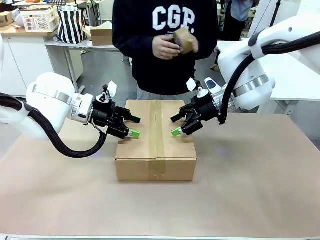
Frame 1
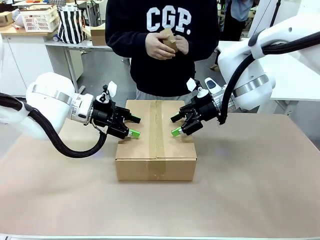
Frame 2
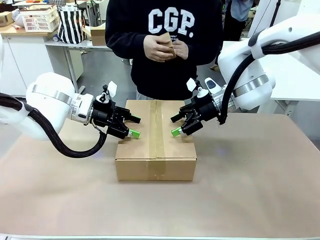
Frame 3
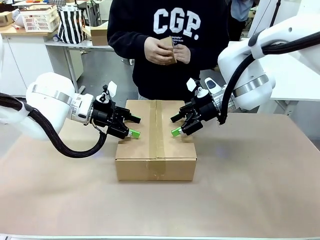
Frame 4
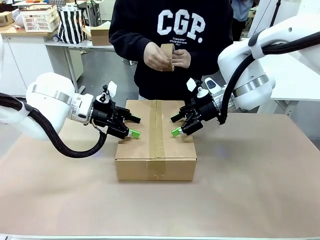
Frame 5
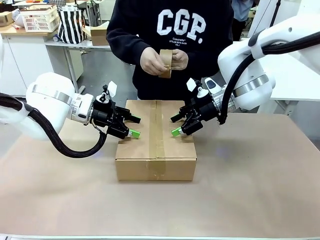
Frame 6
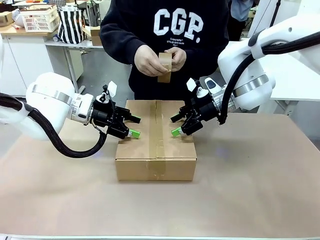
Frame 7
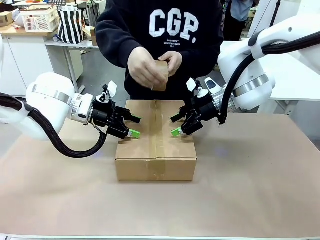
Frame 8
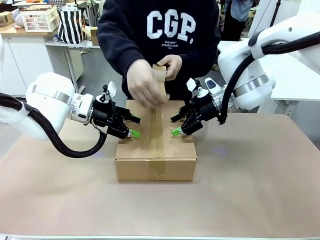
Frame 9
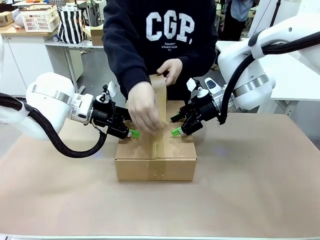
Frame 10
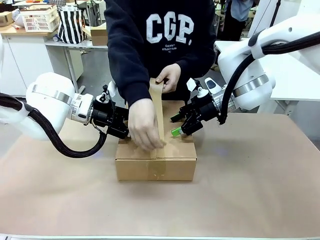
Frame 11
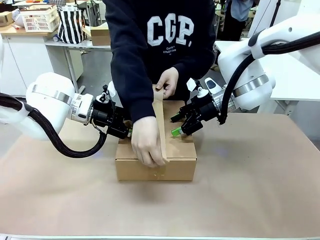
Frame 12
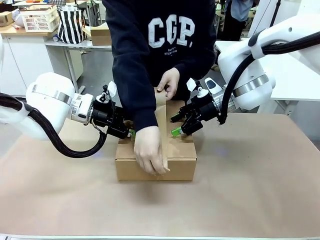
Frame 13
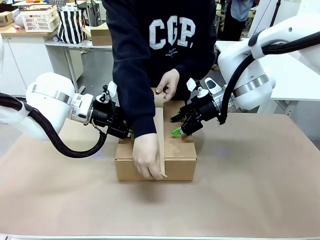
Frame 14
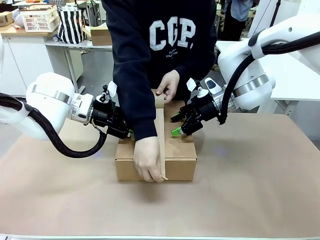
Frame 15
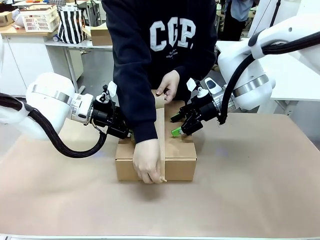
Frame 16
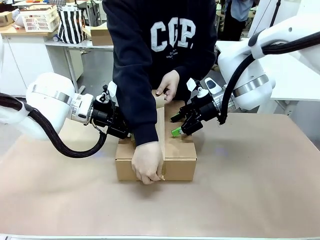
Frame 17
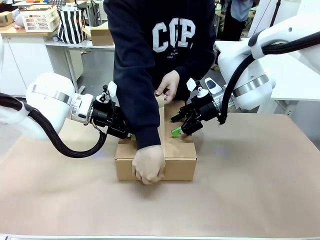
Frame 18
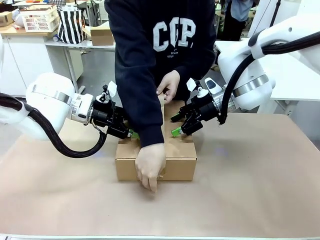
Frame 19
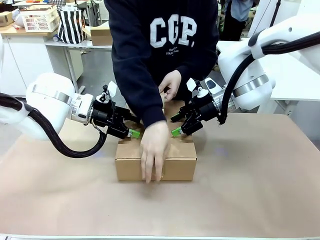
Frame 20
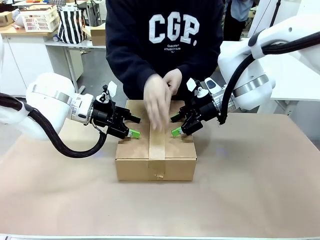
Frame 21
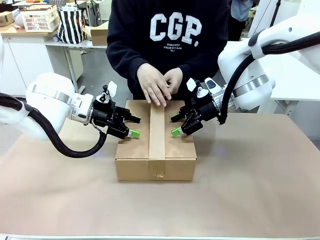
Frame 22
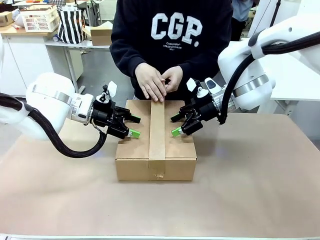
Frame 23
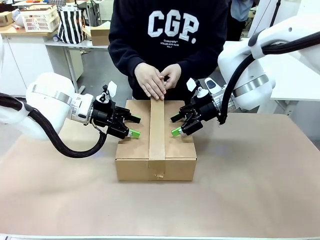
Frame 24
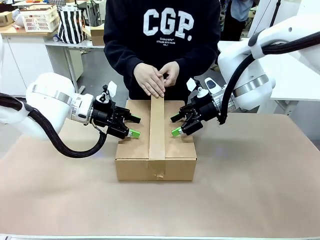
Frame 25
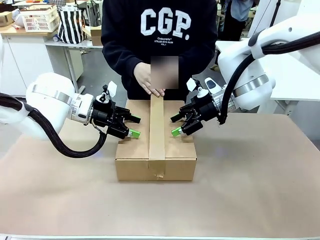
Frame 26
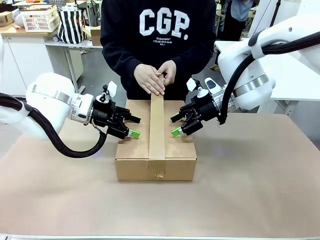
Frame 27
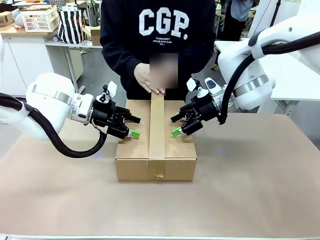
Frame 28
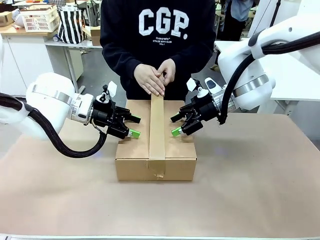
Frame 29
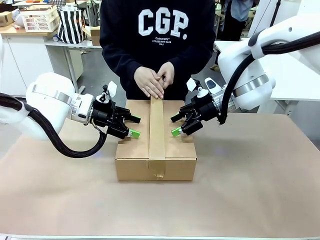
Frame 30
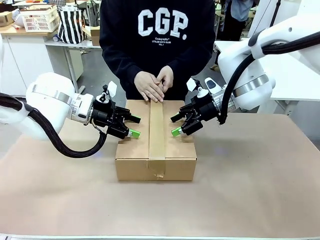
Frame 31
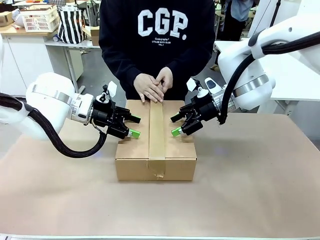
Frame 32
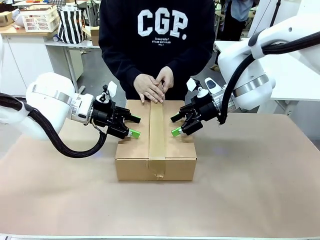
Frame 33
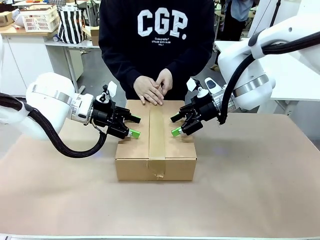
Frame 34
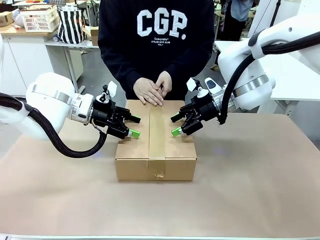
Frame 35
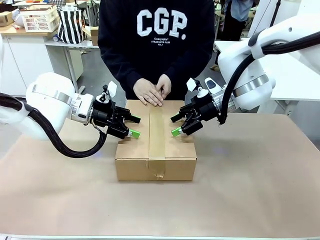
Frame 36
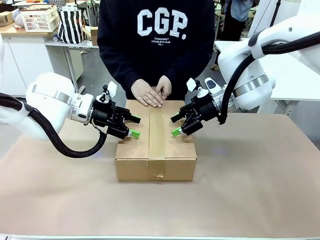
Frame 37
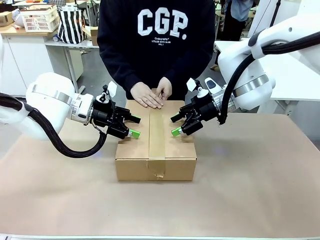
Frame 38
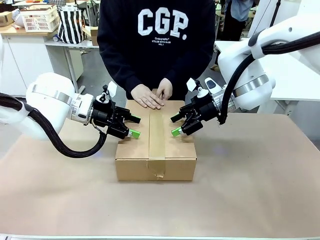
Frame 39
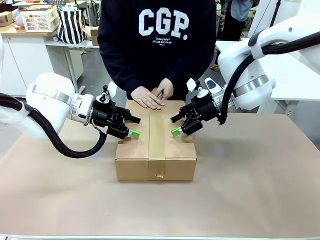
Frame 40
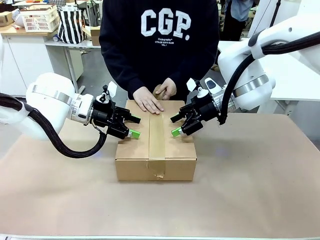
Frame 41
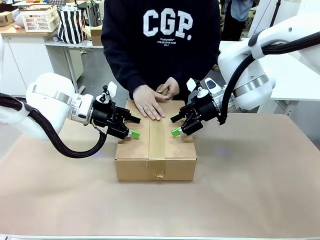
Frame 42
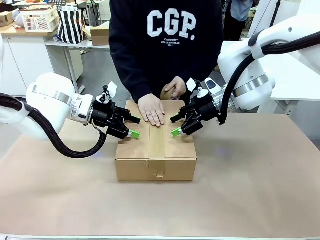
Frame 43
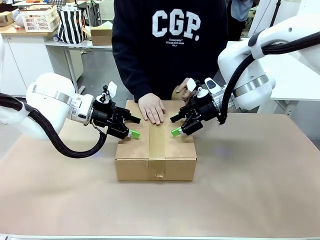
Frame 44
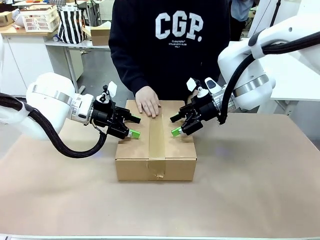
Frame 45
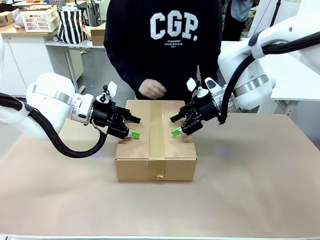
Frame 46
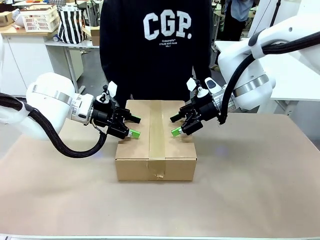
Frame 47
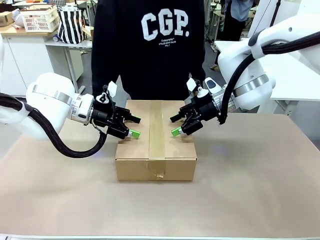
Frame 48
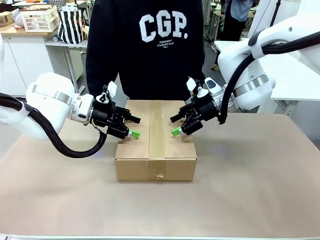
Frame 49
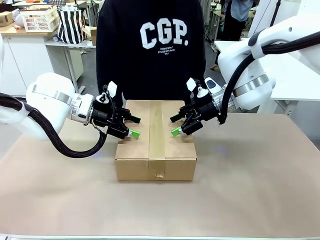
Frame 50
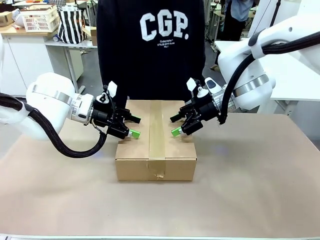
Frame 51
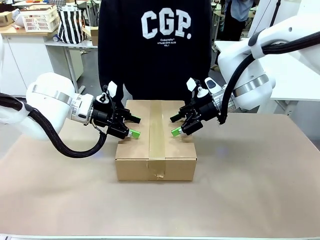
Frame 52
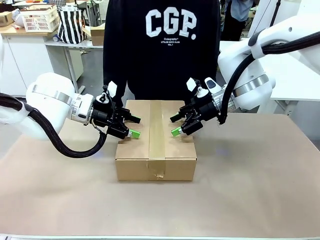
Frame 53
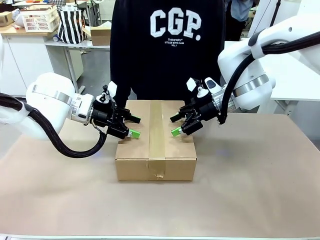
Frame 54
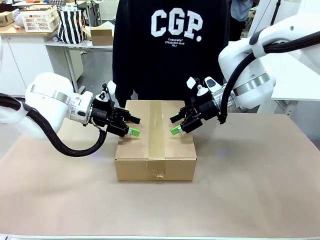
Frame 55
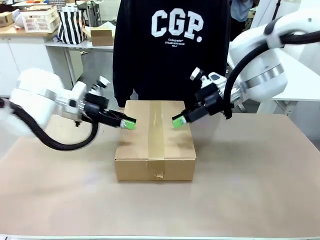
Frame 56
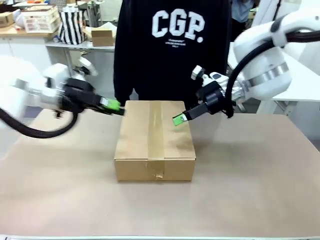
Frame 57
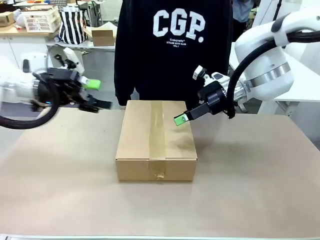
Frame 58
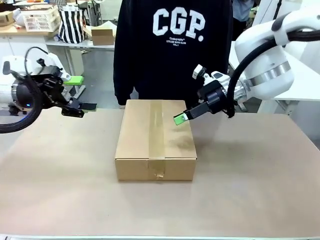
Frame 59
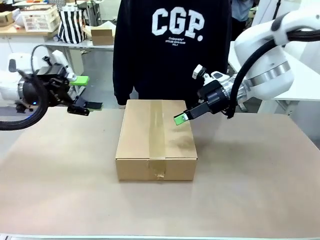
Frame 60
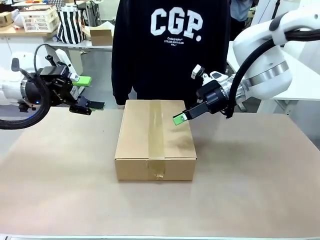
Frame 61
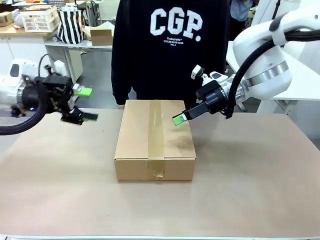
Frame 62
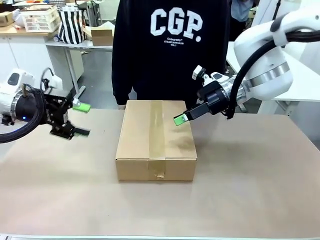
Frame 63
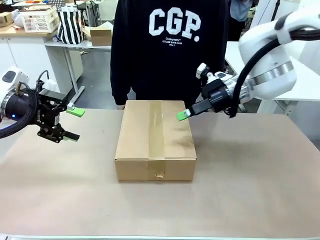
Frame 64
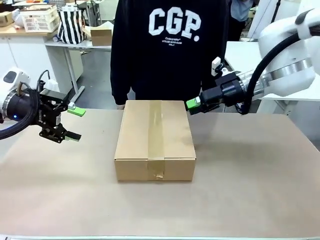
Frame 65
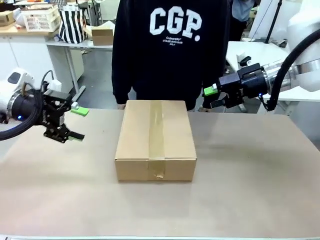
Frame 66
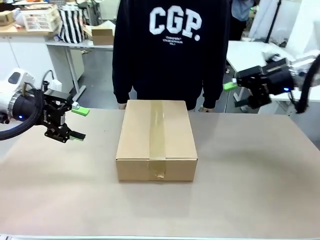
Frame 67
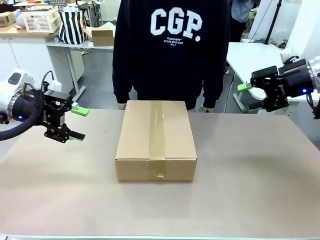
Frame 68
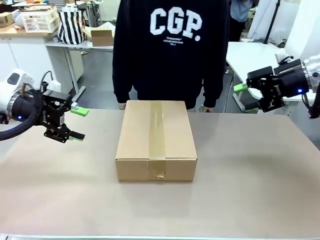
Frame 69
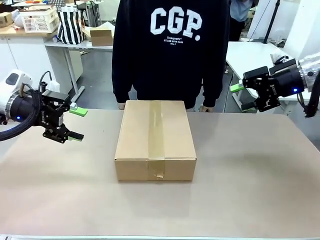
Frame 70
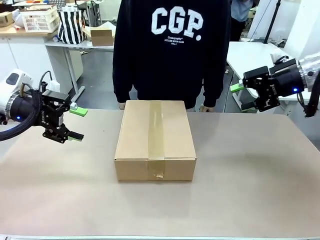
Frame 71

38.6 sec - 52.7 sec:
Task: Pack the gift set into the box.
Robot: Press and hold the closed box until the human finishes sealing it.
Person: The human picks up the paper tape from the human table and packs the box.

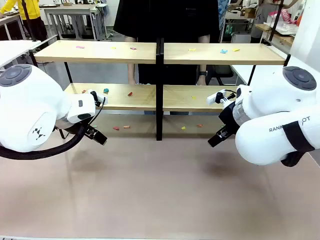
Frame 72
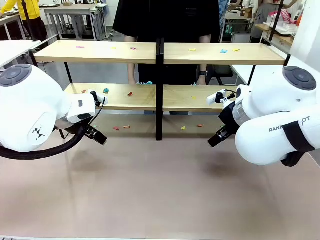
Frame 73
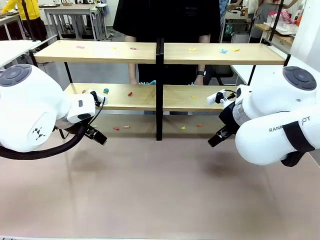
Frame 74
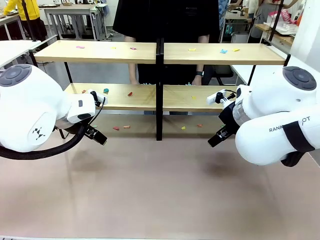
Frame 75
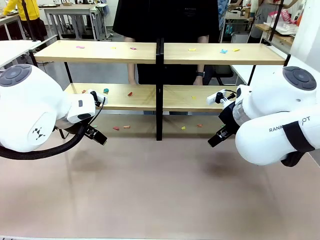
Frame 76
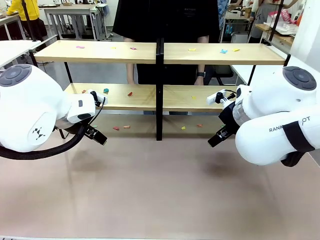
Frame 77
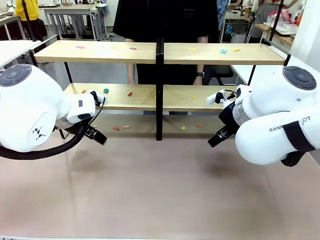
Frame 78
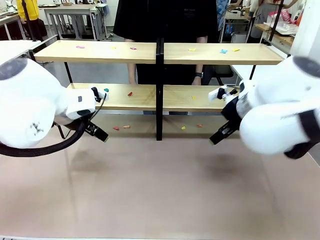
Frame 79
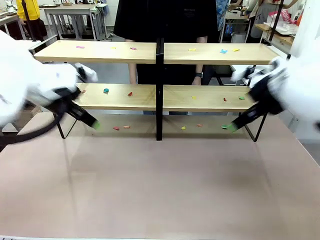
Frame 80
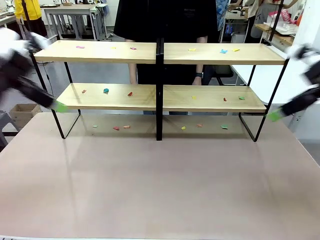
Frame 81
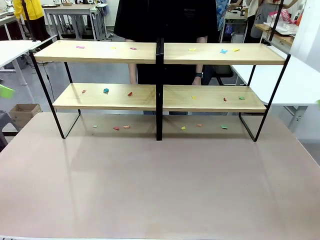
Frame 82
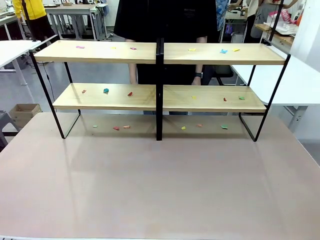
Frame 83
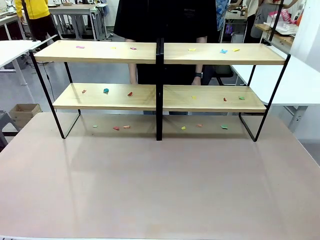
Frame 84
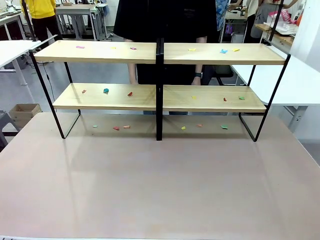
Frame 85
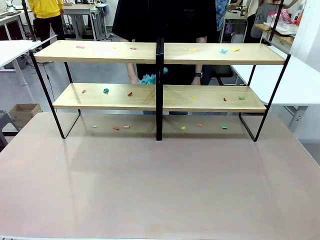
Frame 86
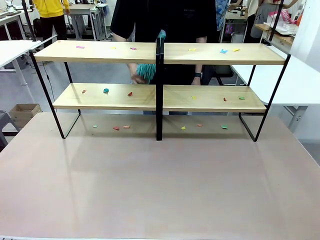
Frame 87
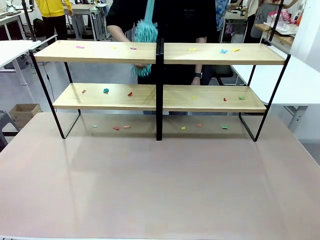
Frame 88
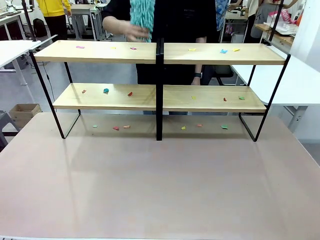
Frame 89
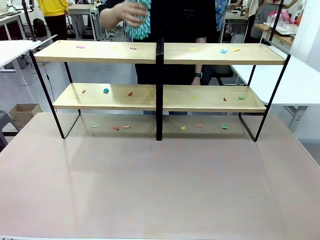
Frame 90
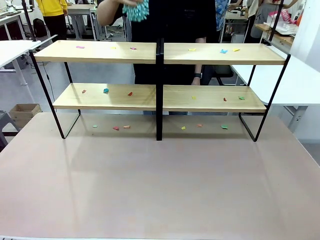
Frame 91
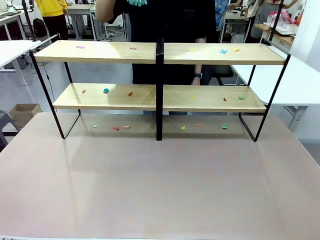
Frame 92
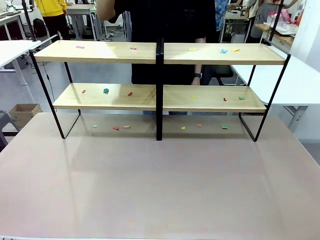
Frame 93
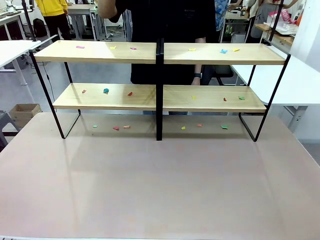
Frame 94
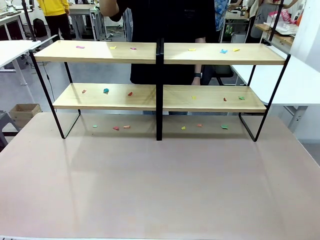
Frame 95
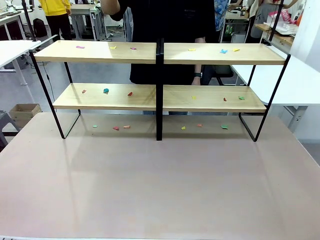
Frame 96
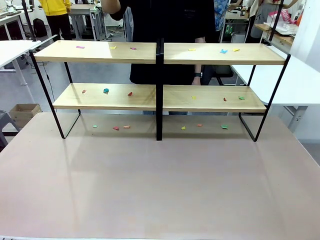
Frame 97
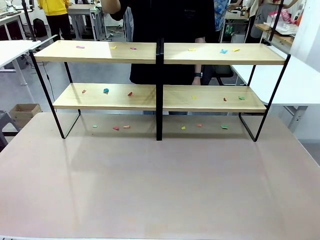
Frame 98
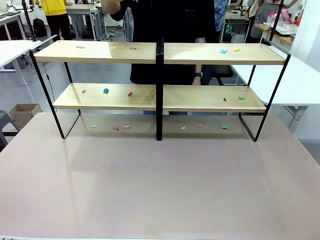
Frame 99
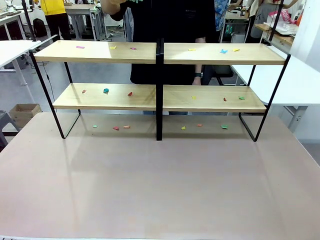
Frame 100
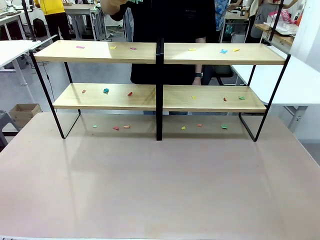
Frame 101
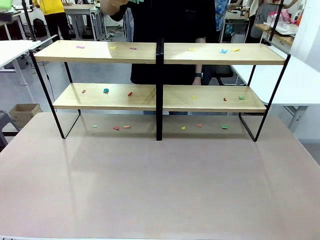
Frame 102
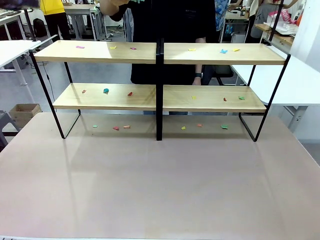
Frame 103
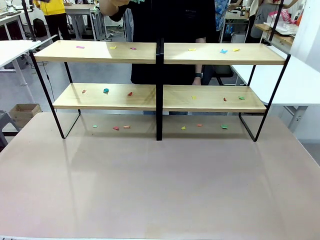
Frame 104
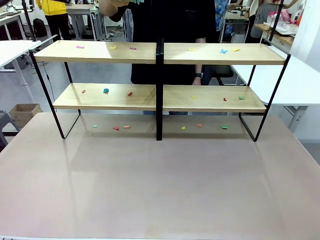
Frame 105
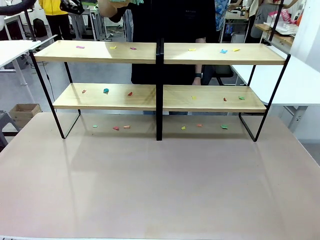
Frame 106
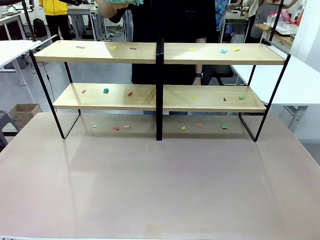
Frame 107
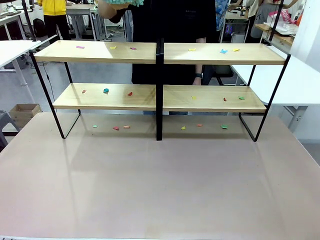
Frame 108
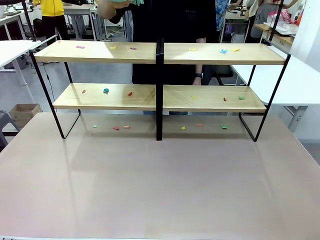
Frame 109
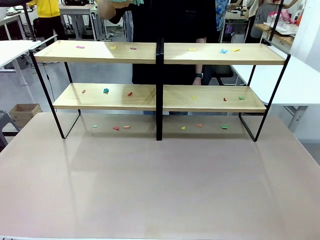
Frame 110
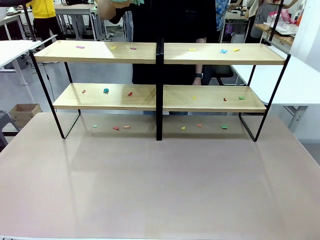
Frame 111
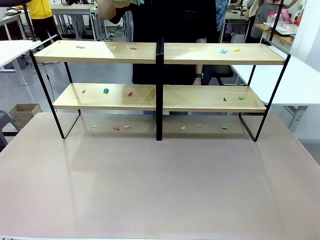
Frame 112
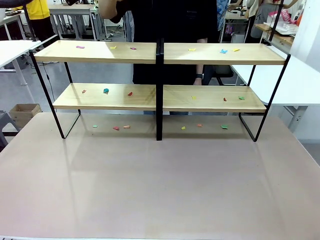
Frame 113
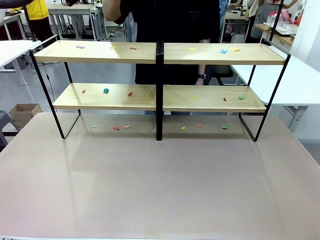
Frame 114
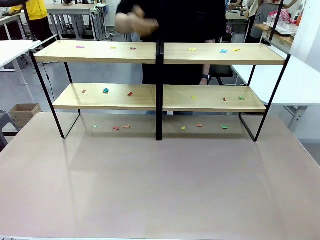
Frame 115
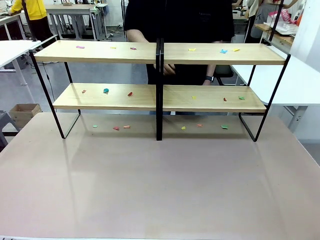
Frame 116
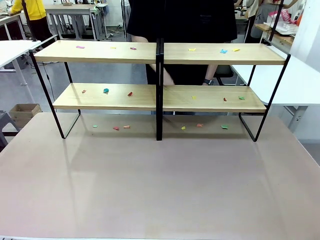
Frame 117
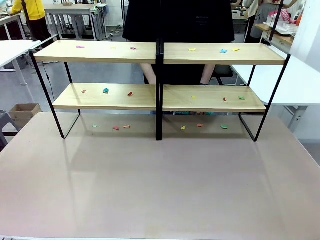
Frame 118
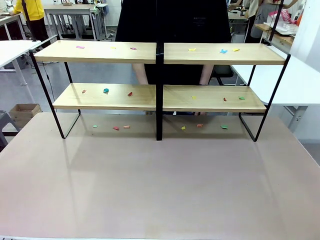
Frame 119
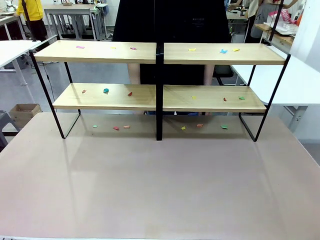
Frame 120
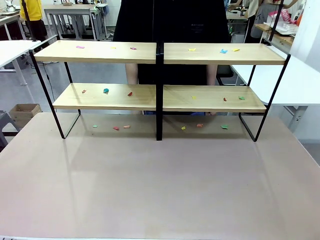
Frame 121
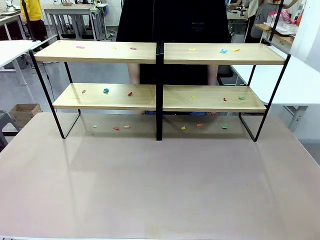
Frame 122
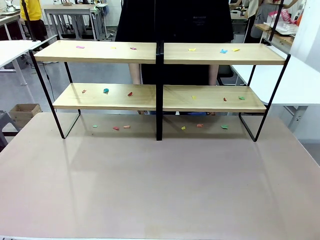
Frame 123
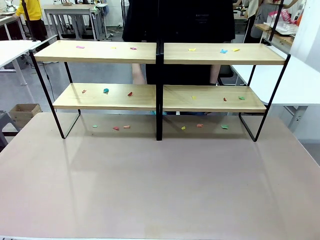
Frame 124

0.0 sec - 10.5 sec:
Task: Clean the shelves.
Robot: Pick up the Duster when the human hands it over.
Person: Hand the Duster to the robot with your right (or left) hand.
